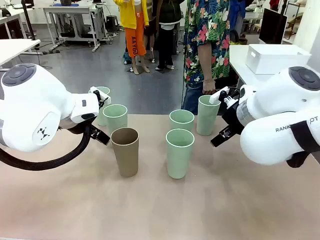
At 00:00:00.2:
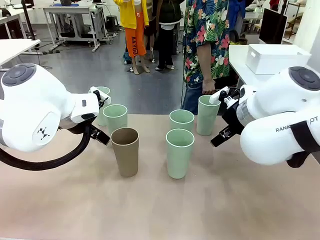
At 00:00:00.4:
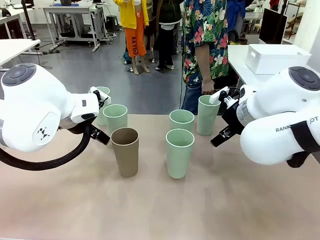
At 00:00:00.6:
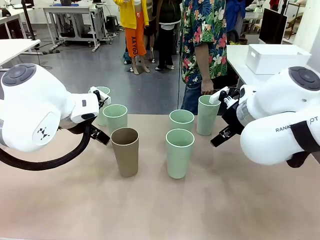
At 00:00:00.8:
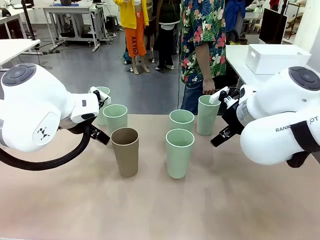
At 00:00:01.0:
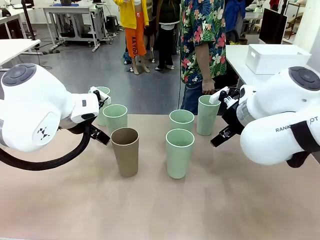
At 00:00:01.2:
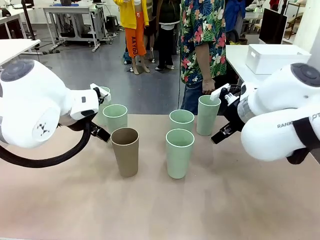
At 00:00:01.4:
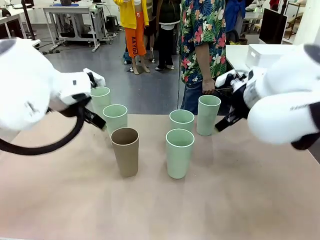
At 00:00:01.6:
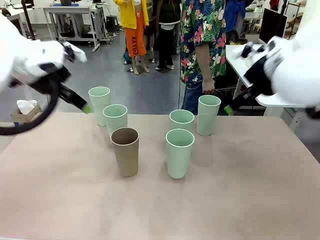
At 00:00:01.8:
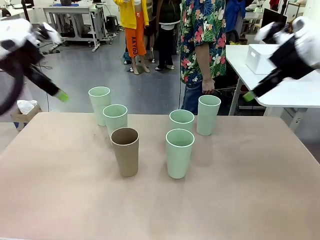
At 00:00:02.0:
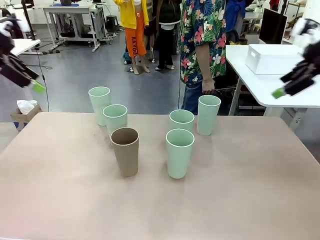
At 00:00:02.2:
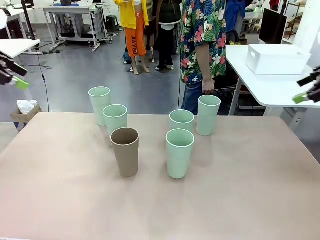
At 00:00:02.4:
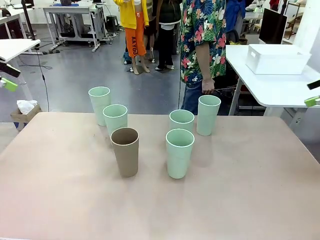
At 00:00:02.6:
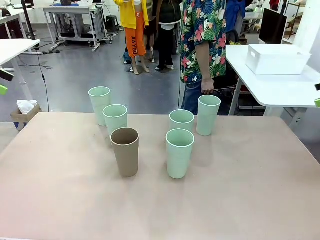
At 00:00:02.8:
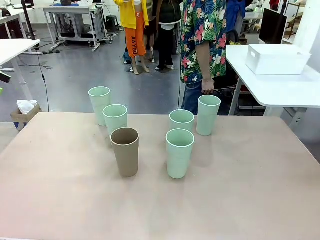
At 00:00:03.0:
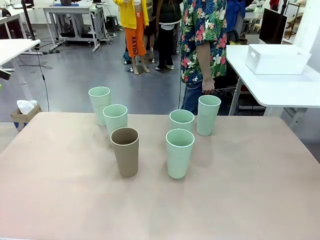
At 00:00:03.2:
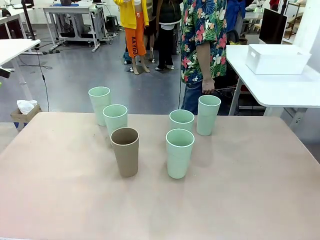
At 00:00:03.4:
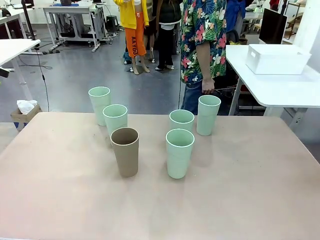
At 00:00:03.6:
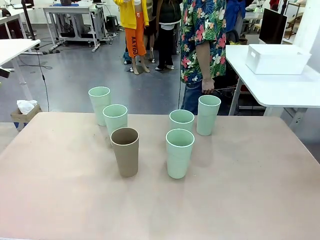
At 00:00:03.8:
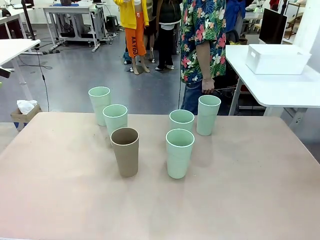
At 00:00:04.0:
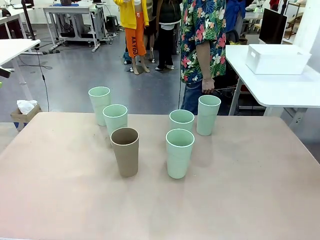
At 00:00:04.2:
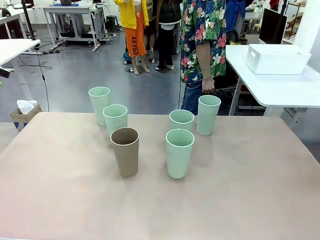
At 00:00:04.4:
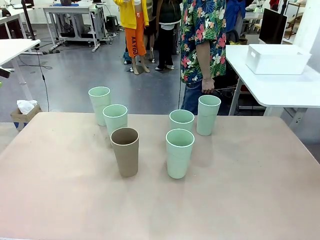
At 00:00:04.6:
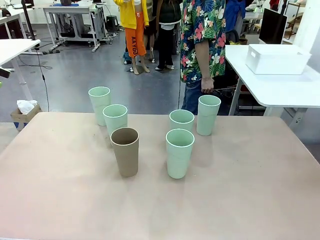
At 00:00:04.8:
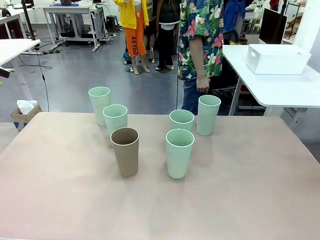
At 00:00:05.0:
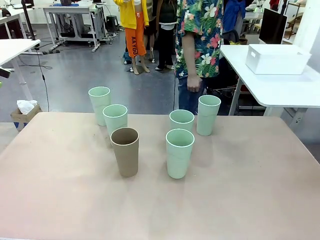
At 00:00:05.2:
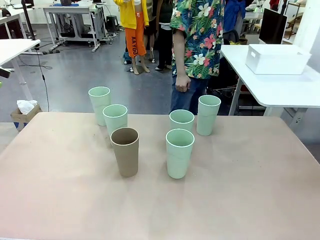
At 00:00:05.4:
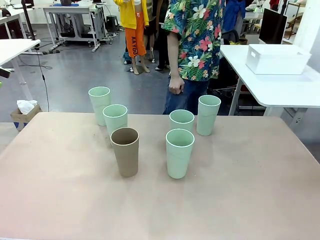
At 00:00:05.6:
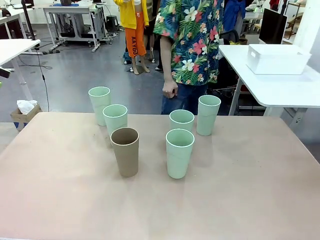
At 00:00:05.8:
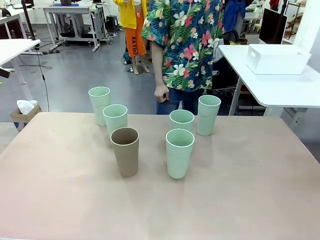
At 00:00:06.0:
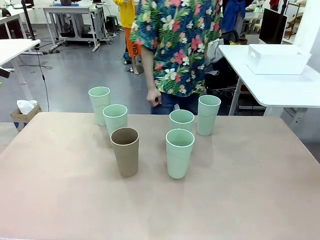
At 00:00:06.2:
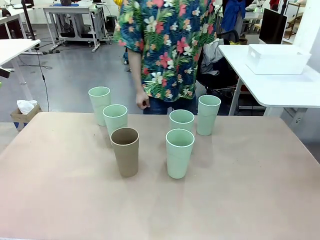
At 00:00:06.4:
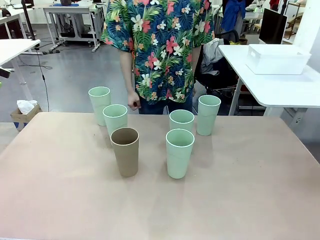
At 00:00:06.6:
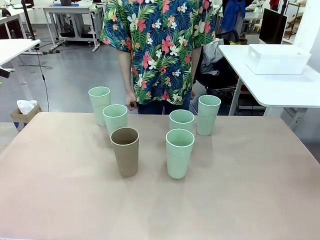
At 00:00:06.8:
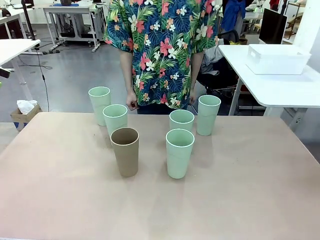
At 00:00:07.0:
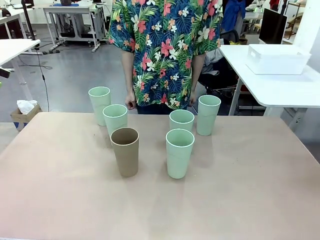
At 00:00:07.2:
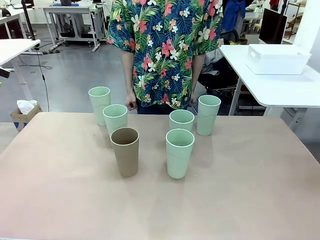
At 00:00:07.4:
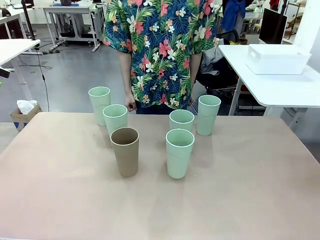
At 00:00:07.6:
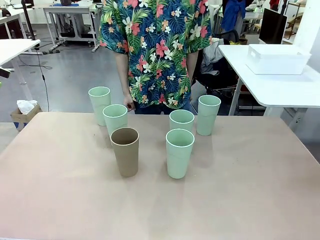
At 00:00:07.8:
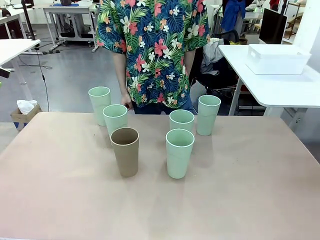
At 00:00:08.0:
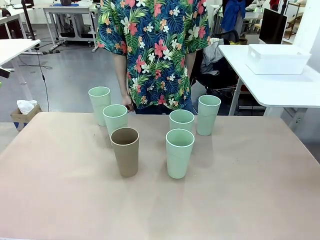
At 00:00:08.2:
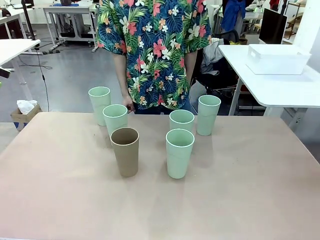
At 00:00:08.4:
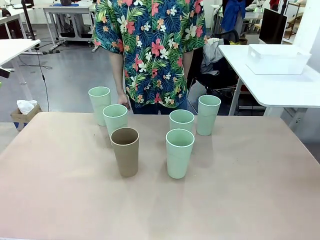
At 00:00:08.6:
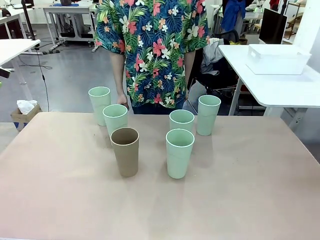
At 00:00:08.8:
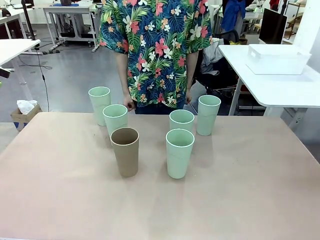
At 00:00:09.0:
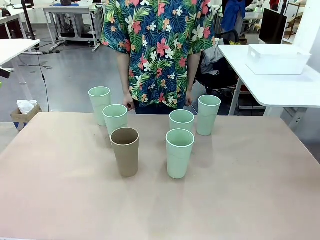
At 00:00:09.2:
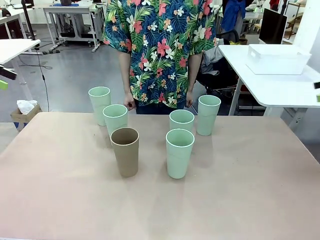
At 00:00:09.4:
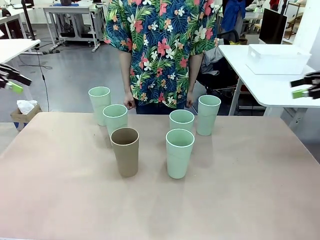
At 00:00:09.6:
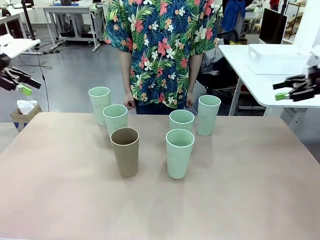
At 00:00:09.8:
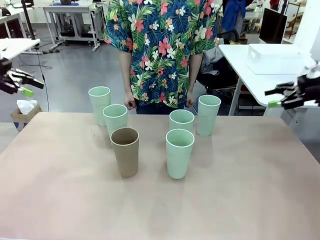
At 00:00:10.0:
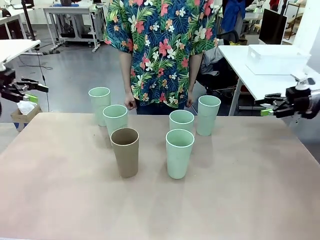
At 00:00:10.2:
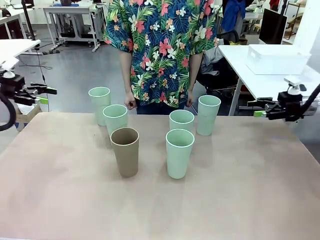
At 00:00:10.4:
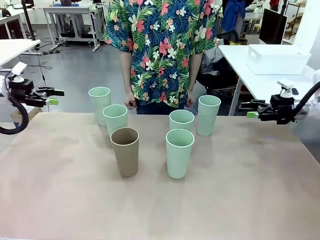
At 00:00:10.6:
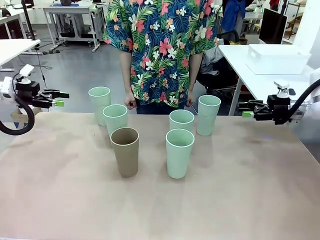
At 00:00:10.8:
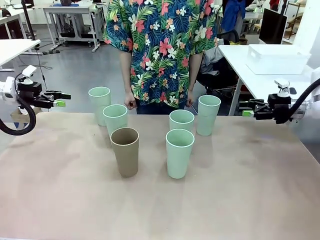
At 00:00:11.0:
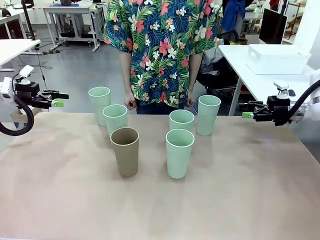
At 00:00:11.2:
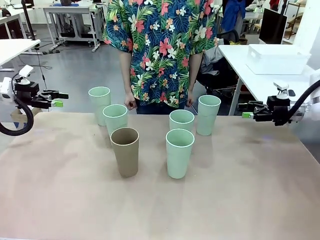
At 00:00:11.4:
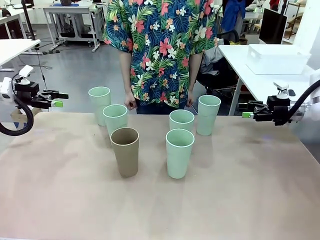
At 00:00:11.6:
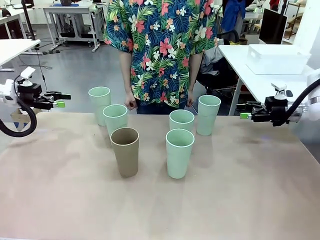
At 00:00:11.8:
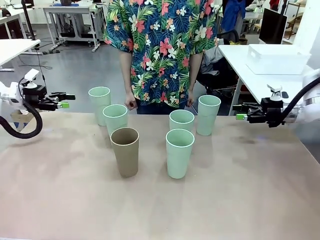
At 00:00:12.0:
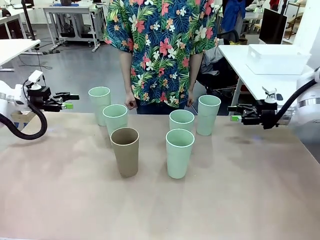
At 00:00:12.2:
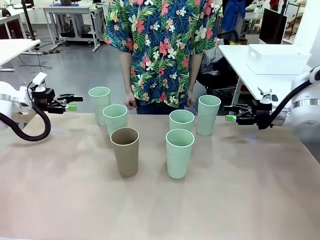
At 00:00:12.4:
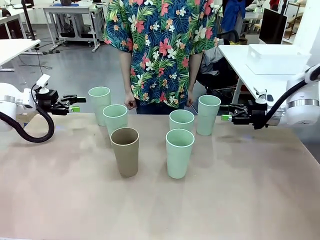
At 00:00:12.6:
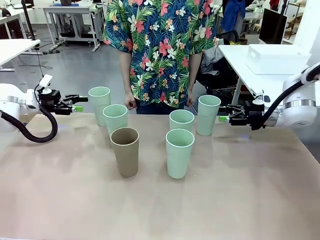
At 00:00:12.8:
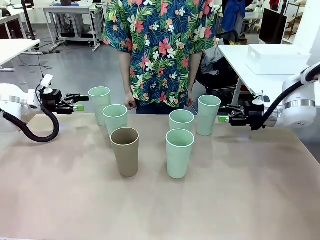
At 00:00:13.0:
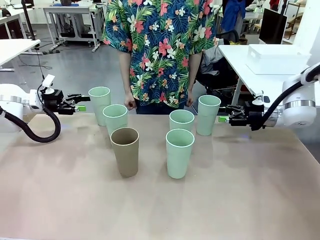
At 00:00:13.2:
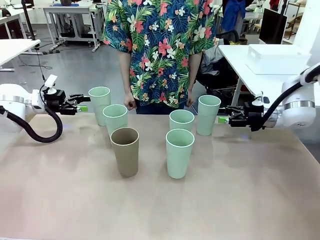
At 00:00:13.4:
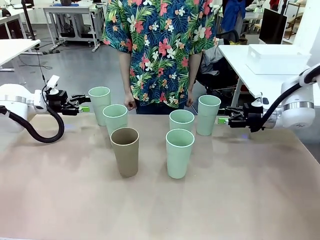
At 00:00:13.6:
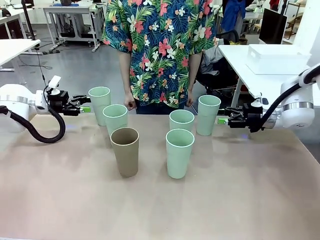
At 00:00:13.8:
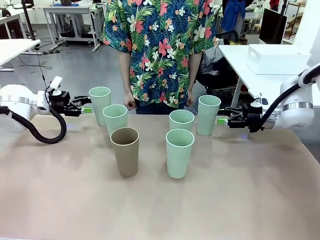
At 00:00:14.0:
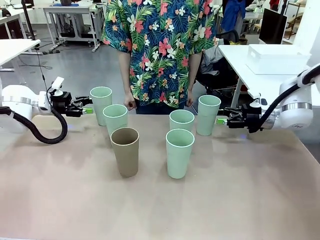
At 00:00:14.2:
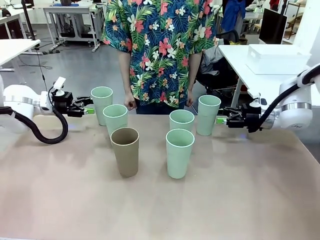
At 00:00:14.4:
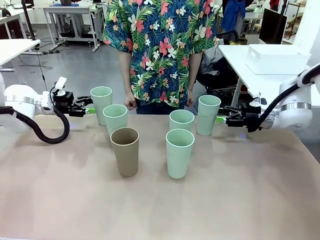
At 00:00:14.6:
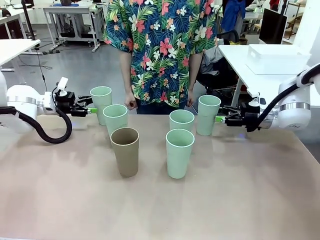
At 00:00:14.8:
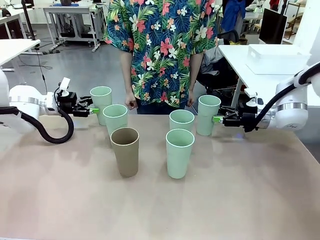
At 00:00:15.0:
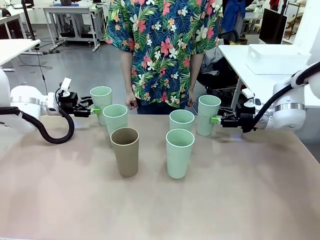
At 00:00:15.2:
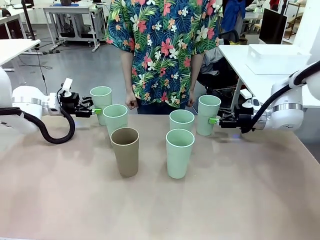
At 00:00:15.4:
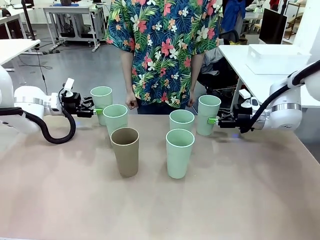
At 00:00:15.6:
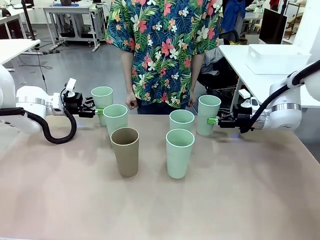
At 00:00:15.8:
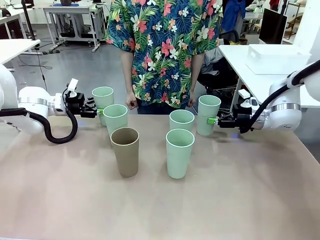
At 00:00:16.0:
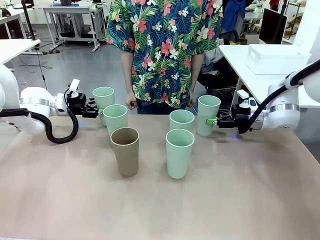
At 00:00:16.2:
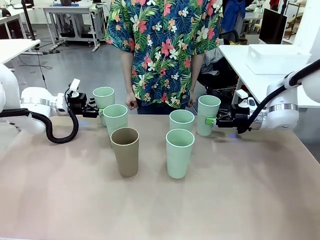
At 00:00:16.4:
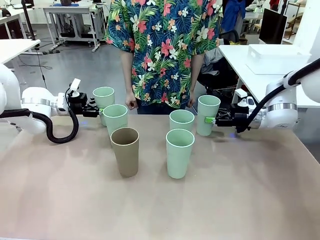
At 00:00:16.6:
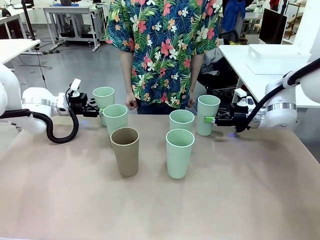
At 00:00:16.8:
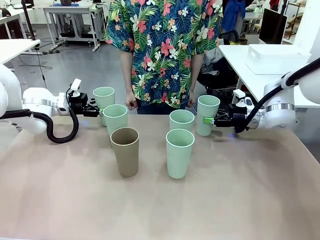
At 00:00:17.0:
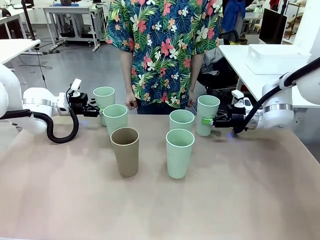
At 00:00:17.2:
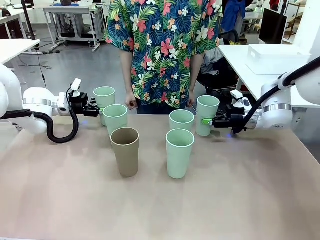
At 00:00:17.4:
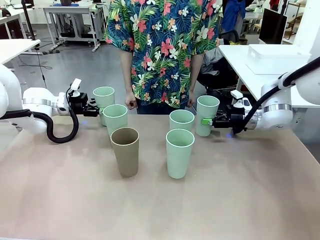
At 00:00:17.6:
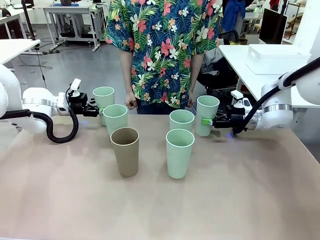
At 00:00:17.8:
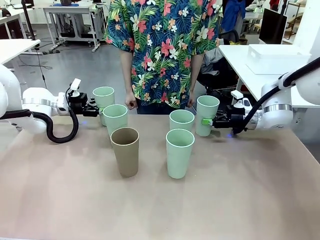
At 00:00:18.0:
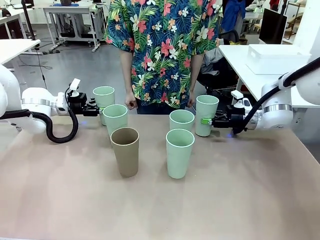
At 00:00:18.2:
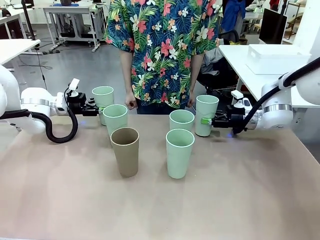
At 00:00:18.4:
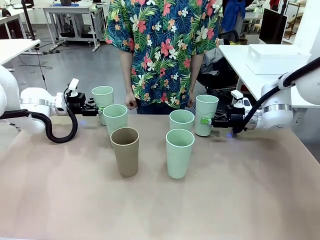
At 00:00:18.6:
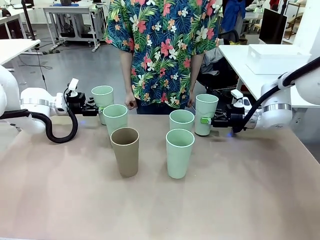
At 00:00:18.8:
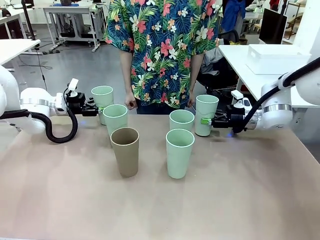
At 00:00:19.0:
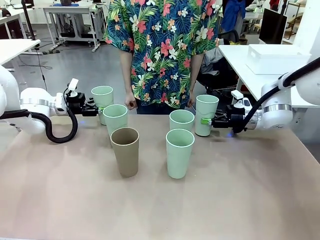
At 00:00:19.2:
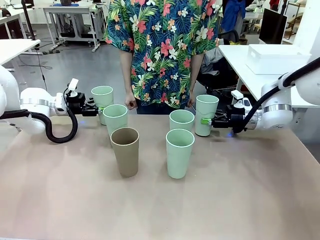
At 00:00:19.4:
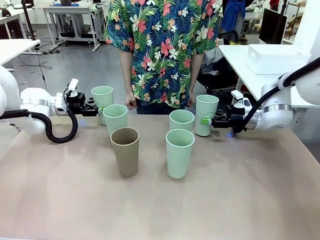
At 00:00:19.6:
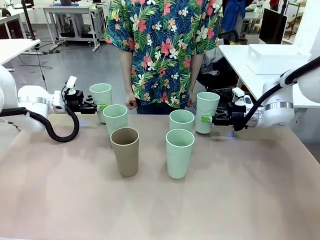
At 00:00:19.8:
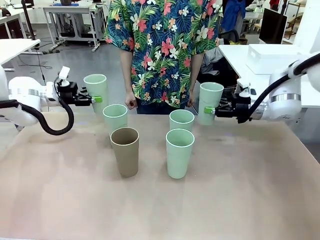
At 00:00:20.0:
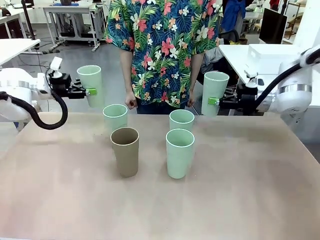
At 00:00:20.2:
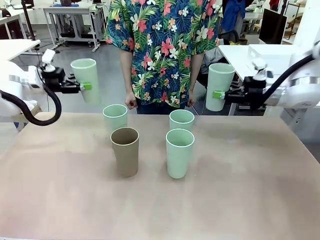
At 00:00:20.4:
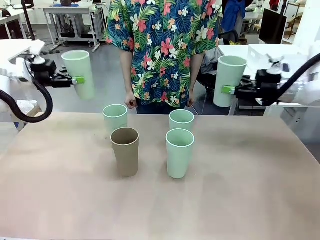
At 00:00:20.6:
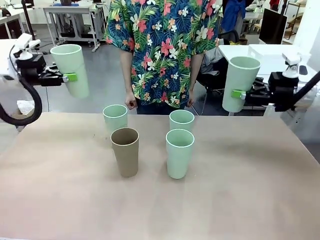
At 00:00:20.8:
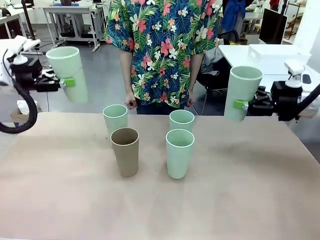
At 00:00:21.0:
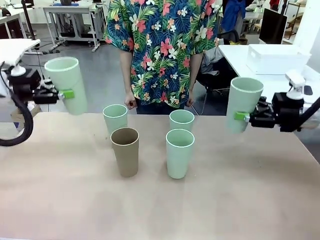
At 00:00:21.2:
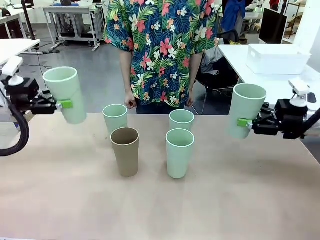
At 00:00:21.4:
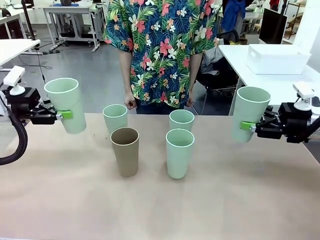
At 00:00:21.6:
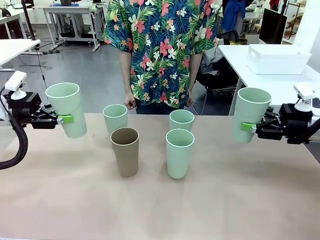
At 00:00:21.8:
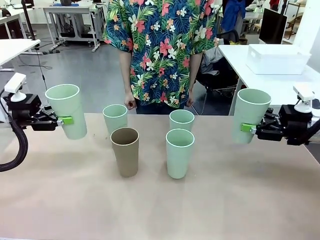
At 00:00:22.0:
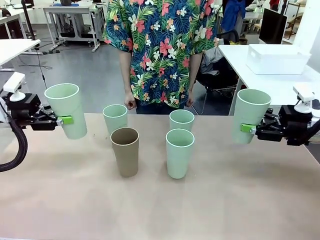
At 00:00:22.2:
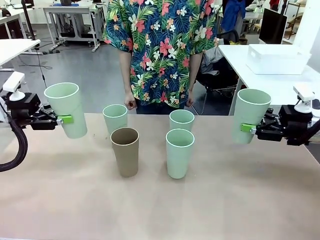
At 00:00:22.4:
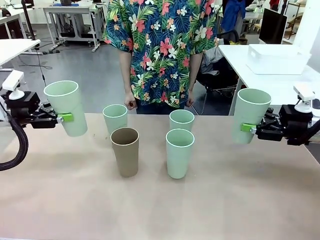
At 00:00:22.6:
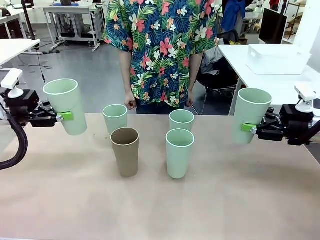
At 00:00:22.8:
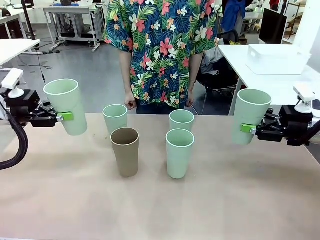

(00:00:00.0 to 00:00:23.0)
Task: Stack the cups and store them in the basket.
Robot: Pick up two Reusable plastic cups , one in each hand.
Person: Move from the Human Table to the front of the Robot Table. Stack two of the remaining cups on top of each cup held by the robot.
